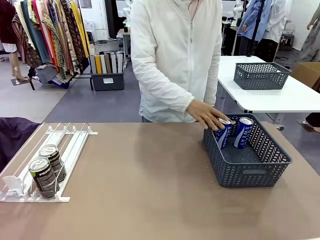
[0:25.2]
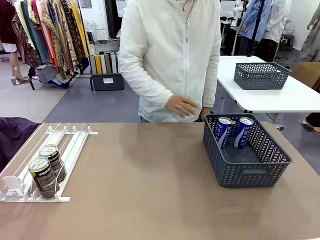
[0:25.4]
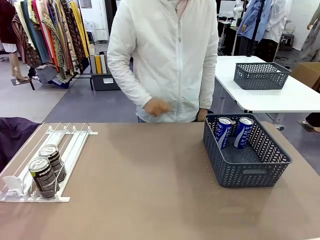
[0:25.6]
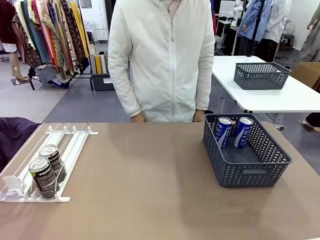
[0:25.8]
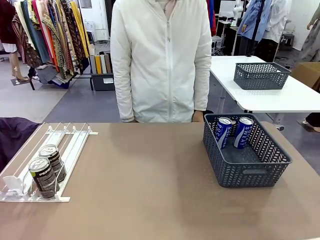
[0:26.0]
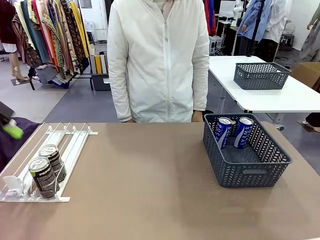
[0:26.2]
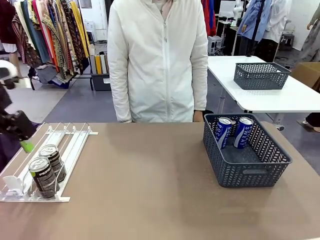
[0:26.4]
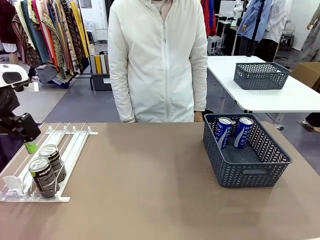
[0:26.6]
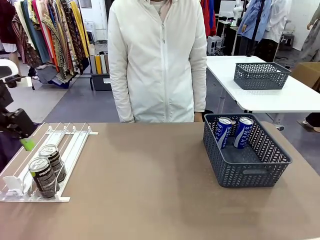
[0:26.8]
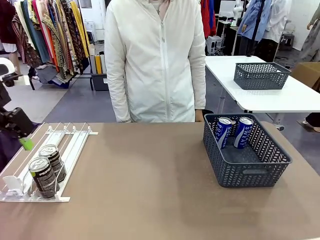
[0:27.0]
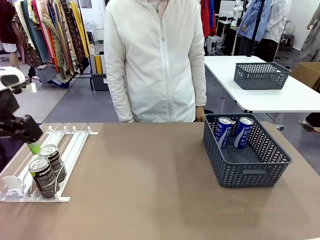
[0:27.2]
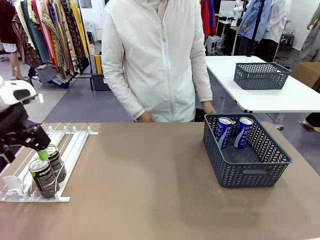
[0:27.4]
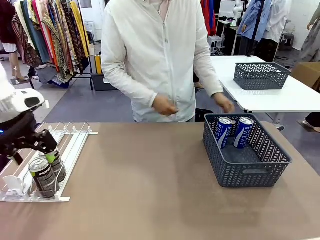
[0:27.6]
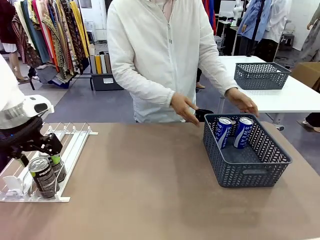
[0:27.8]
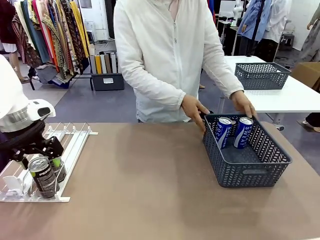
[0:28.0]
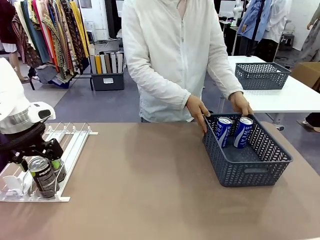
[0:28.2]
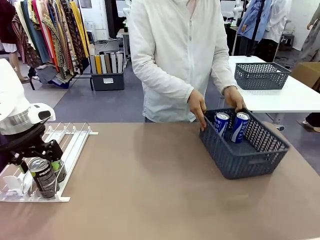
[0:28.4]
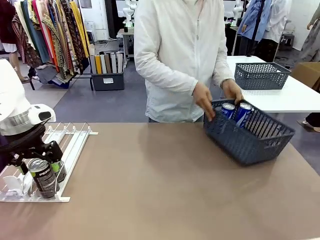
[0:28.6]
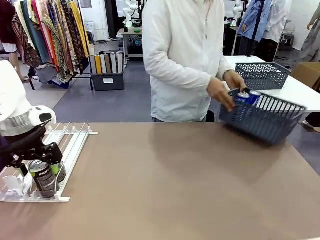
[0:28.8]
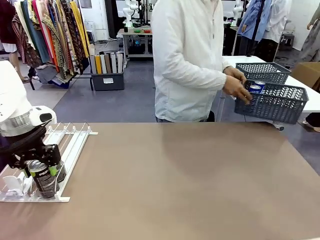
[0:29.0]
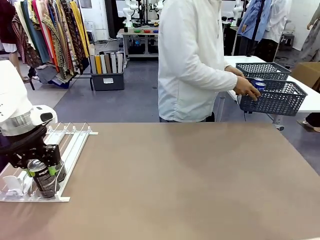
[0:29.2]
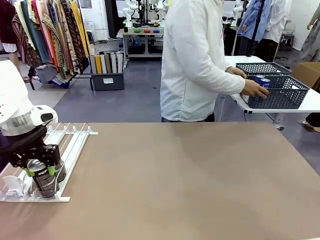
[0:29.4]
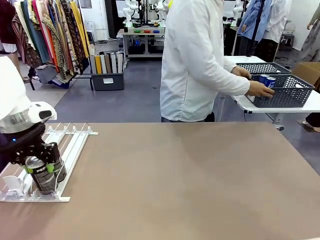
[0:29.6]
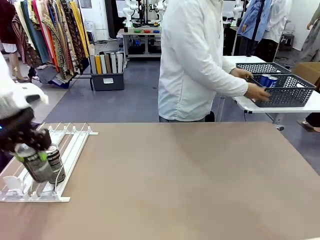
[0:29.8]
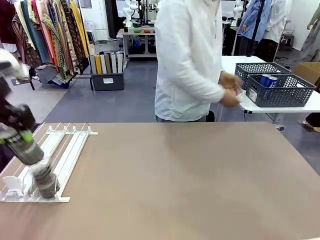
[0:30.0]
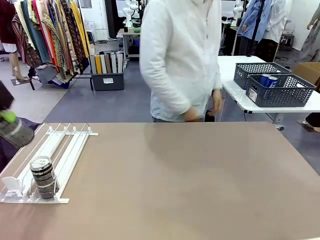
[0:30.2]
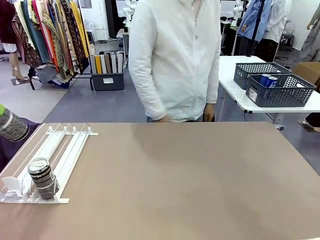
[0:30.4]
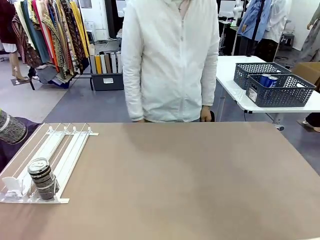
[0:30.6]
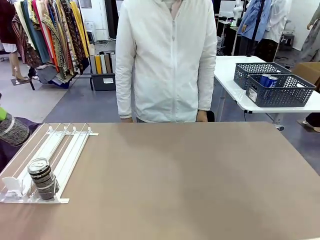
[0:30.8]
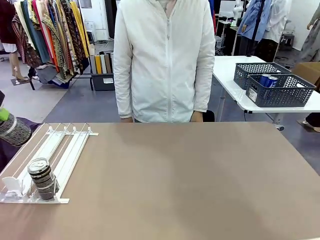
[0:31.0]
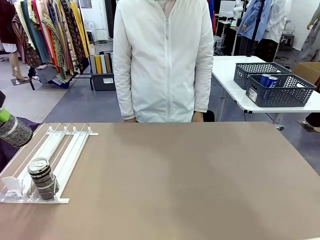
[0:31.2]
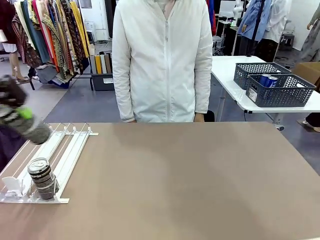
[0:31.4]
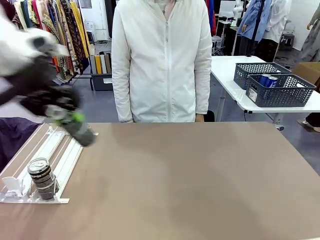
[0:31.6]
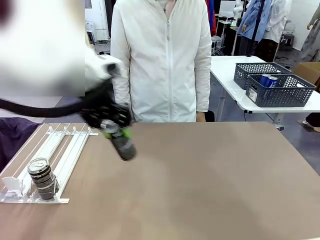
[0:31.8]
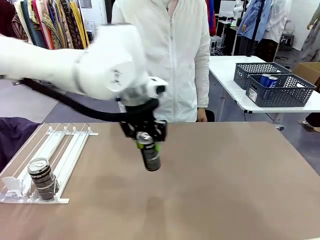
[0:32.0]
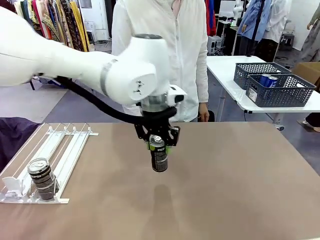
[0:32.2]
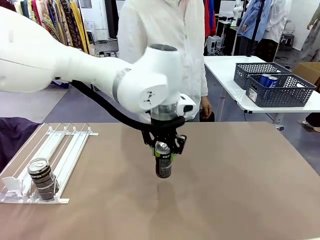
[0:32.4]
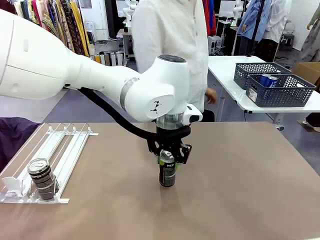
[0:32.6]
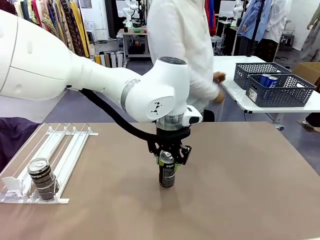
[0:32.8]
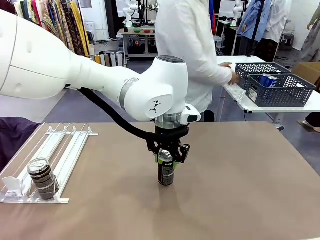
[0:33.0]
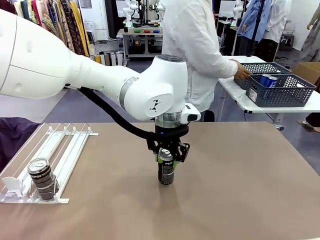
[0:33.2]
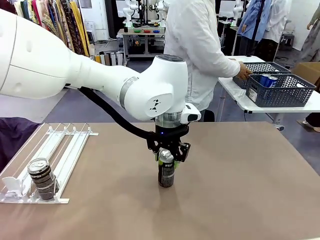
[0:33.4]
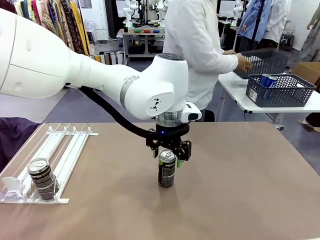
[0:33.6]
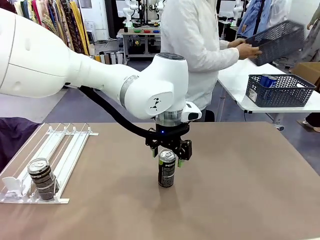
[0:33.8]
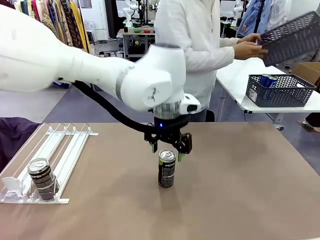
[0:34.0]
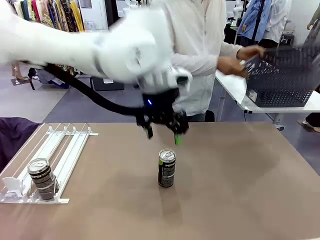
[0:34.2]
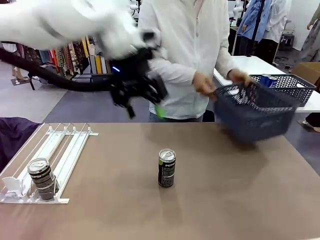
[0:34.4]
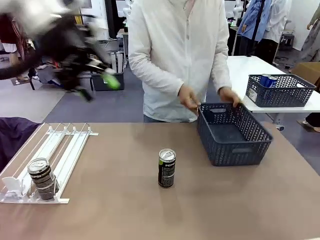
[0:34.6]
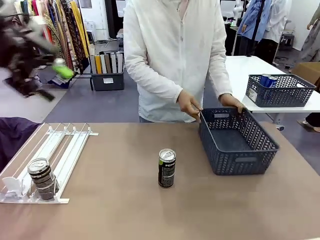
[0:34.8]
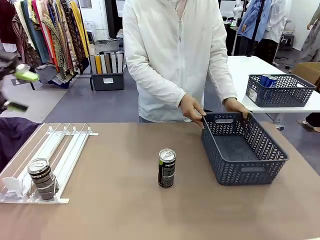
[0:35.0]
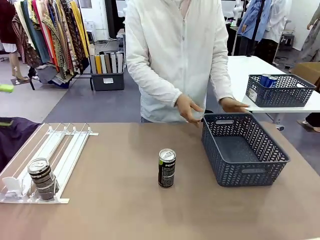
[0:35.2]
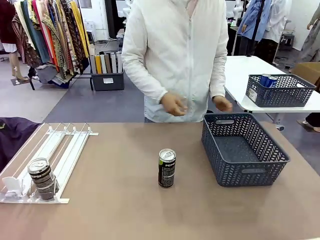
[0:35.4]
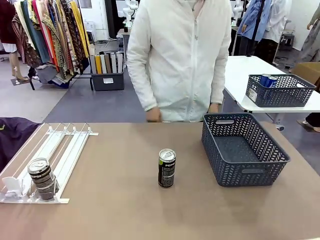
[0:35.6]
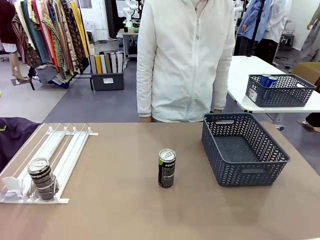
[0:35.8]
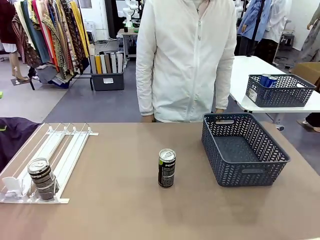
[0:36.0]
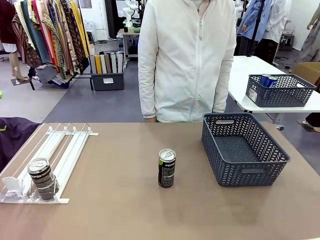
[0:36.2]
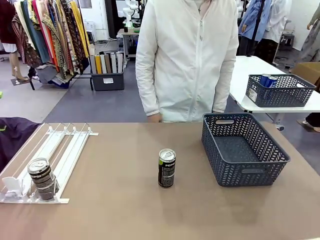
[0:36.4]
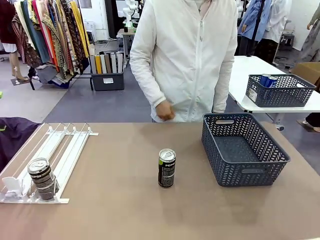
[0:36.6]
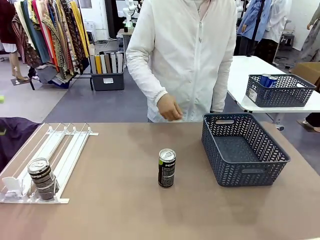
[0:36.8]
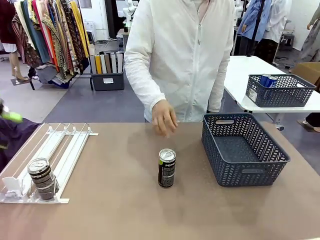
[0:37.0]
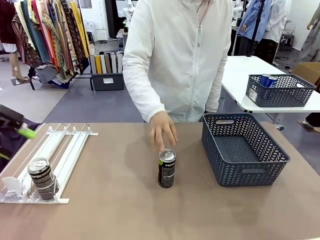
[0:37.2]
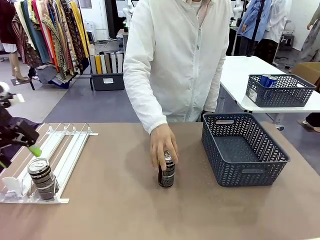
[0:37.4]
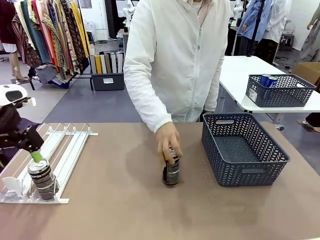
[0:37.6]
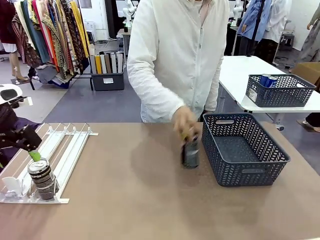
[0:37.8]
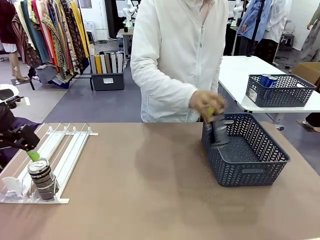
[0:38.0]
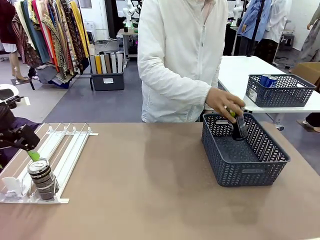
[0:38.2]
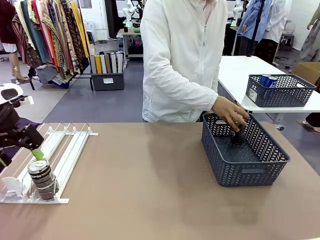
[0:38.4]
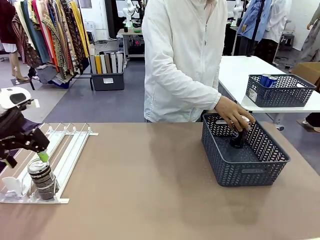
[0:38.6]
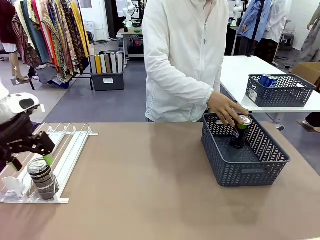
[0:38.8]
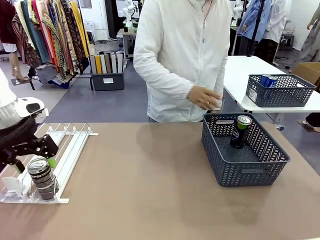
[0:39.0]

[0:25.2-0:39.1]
Task: Retrieve and store the cans from the dispenser.
Robot: Pick up one can from the Automatic Can Dispenser and place it in the middle of the table.
Person: Pick up the basket and place it in the middle of the human table. Pick up the empty basket and place it on the left side of the robot table.
